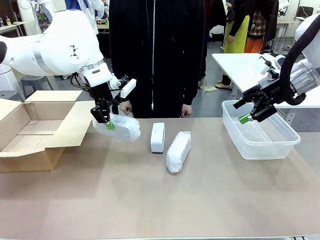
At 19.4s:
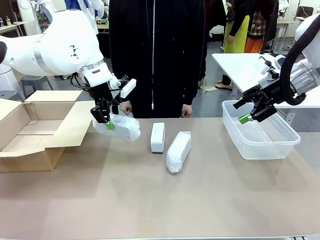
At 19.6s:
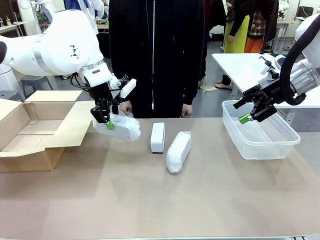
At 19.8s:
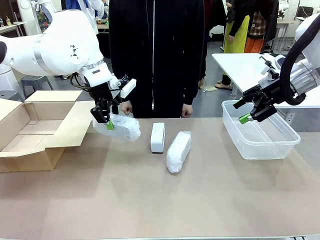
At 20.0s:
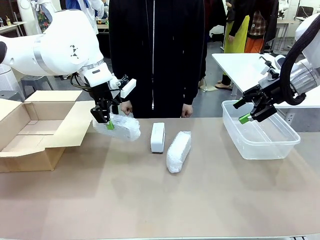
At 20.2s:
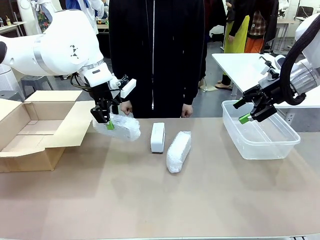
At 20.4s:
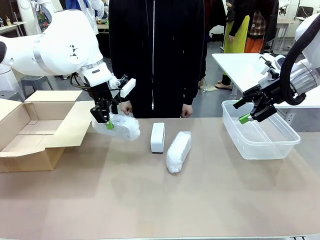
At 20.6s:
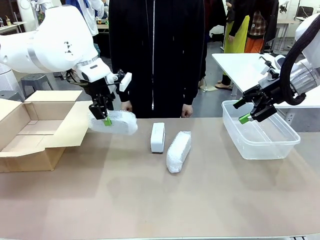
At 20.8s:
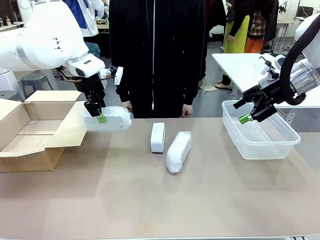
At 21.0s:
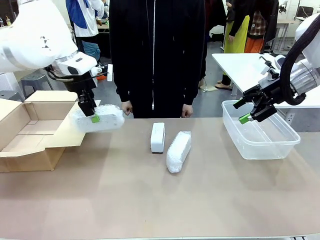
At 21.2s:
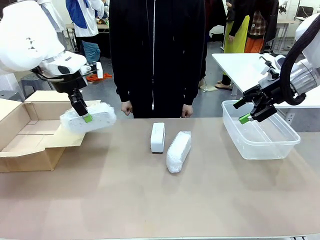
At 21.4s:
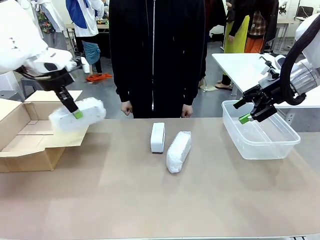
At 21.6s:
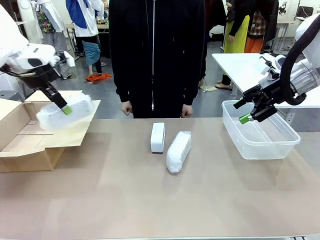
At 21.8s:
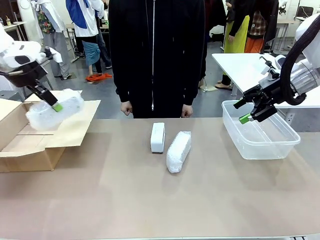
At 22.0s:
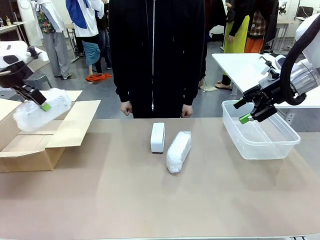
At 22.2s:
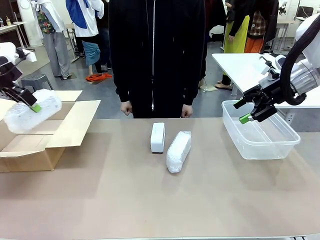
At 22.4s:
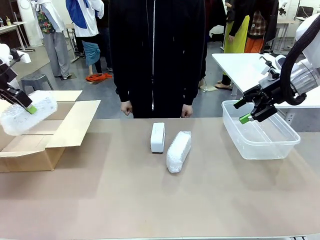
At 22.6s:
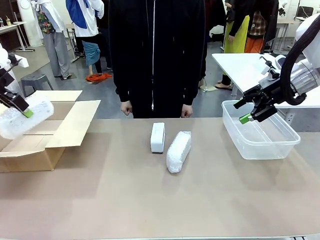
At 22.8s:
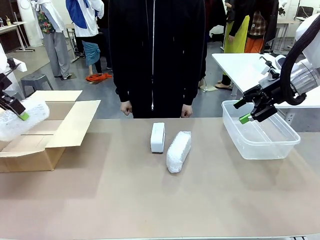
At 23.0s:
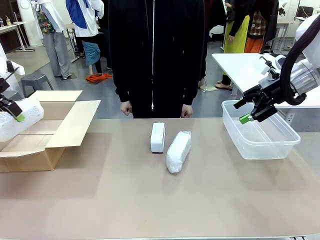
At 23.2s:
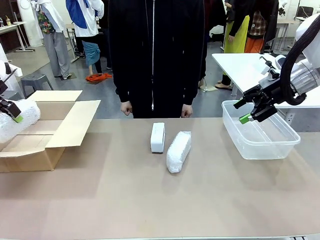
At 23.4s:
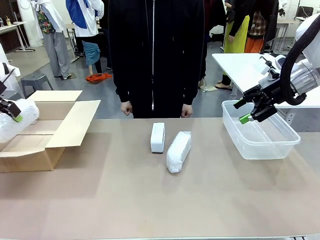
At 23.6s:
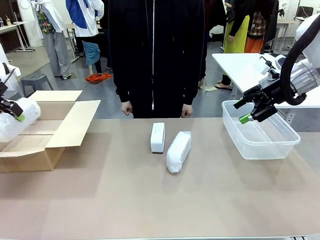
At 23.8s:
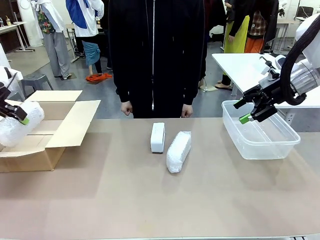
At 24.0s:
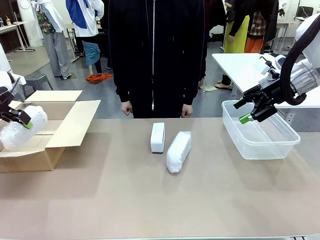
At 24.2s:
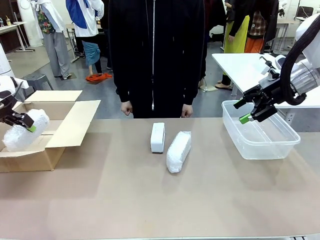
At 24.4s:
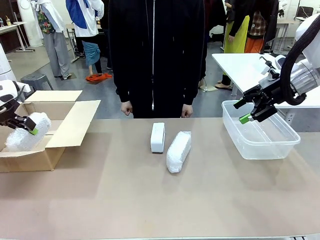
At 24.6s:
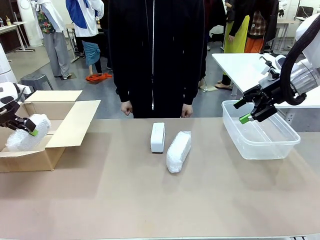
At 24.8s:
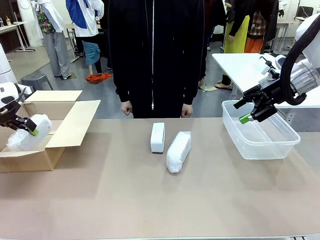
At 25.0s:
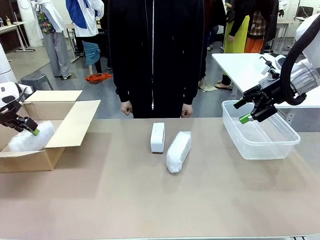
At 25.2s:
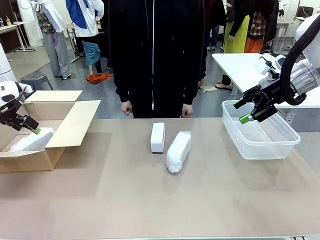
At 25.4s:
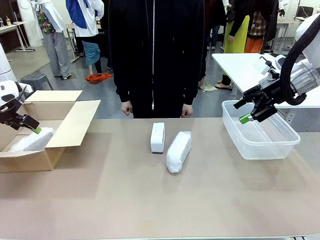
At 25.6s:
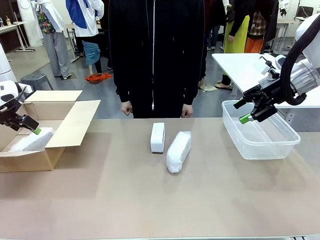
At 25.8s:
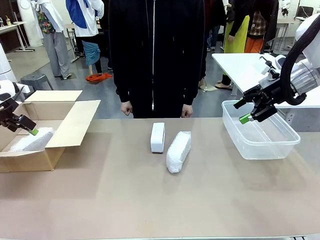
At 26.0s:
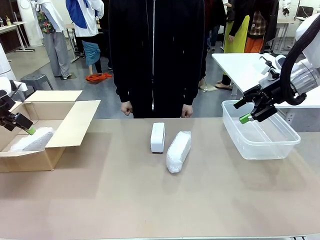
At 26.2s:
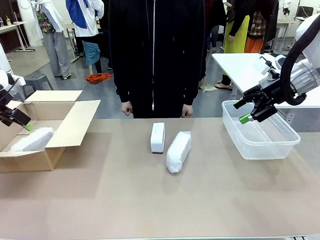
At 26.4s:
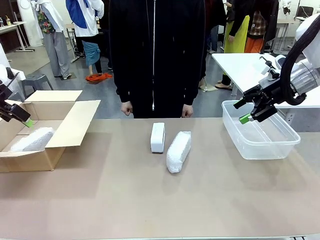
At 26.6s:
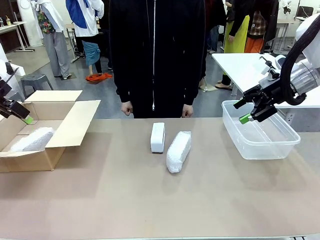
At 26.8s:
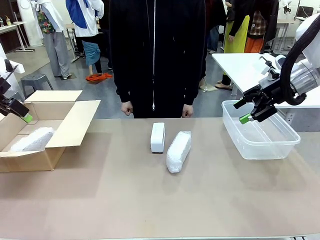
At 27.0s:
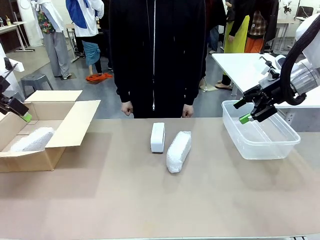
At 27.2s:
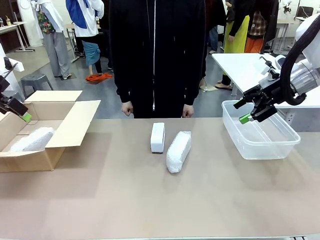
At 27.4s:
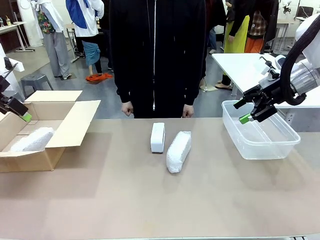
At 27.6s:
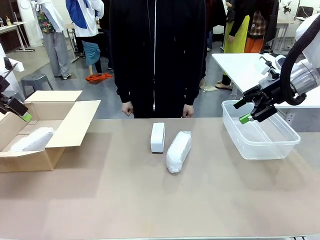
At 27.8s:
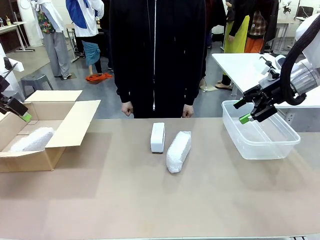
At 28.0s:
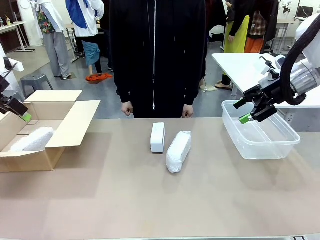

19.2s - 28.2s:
Task: Separate and place wrapped and unwrapped clocks.
Robot: If the picked Digital clock is wrapped, place it in the Package Box ; if not, place it in the Organizing box.

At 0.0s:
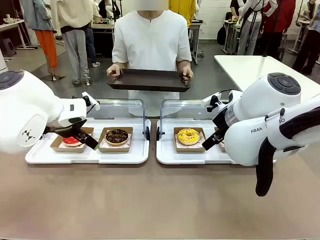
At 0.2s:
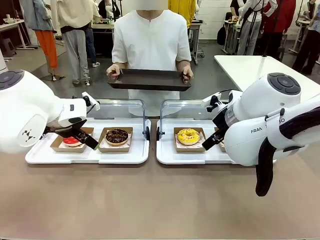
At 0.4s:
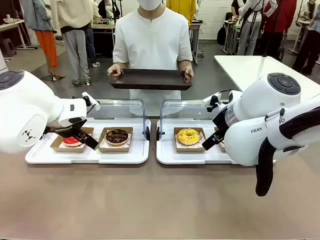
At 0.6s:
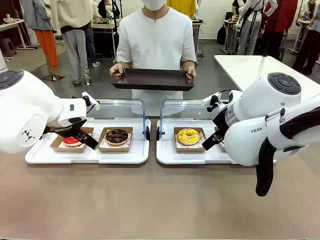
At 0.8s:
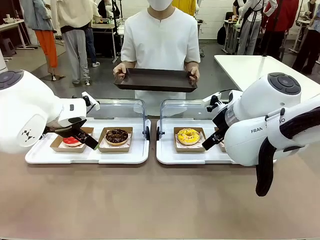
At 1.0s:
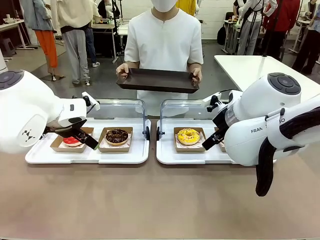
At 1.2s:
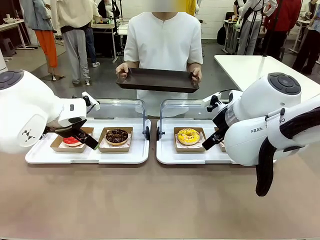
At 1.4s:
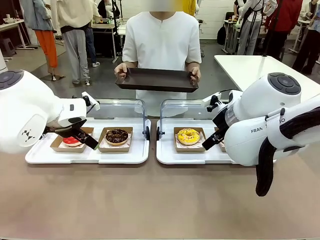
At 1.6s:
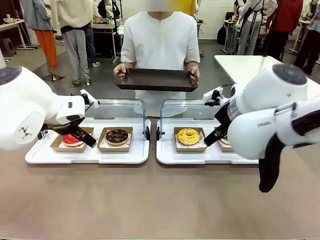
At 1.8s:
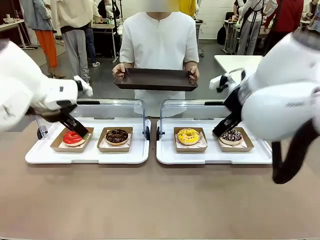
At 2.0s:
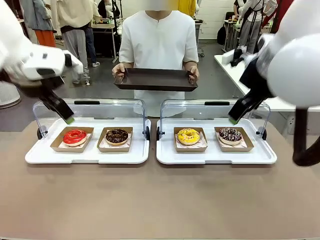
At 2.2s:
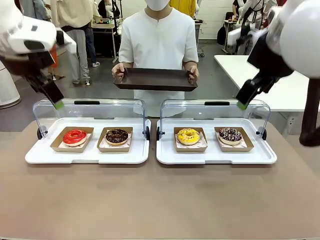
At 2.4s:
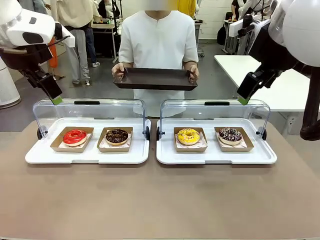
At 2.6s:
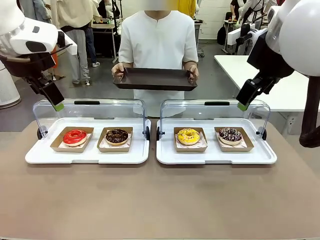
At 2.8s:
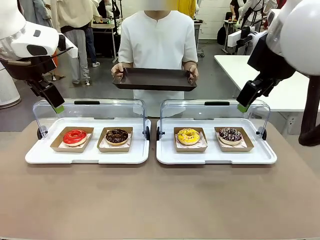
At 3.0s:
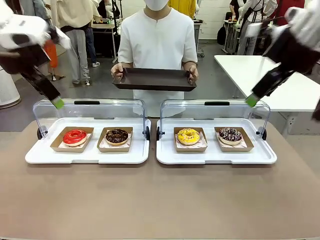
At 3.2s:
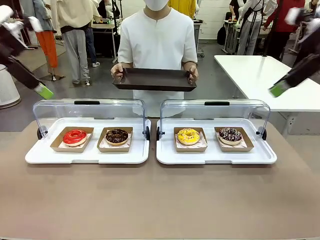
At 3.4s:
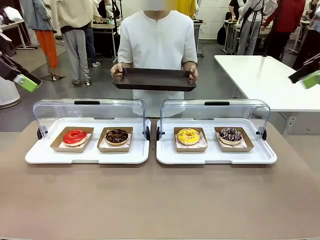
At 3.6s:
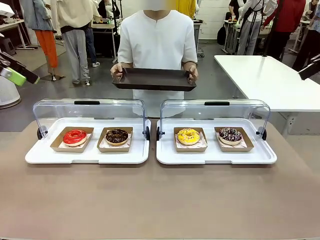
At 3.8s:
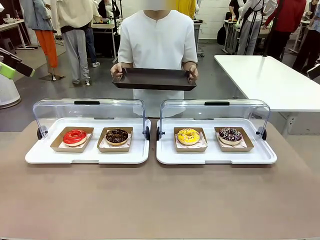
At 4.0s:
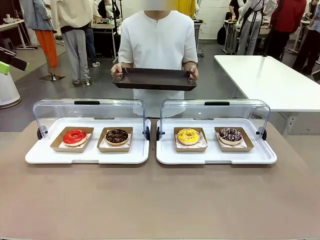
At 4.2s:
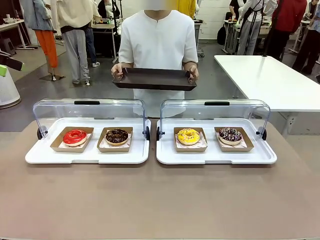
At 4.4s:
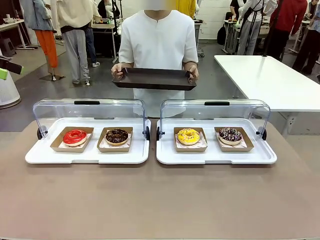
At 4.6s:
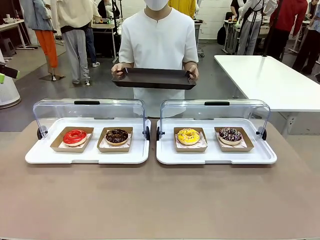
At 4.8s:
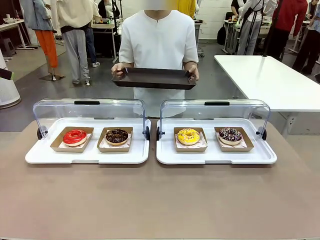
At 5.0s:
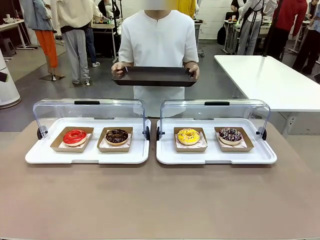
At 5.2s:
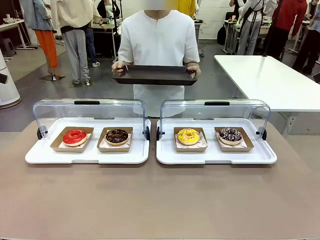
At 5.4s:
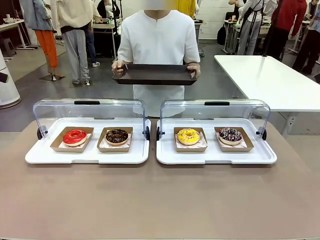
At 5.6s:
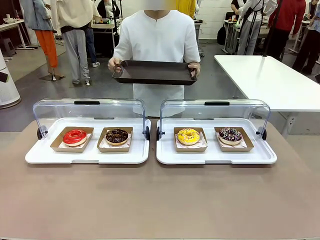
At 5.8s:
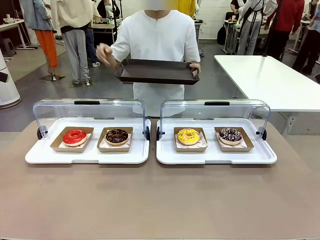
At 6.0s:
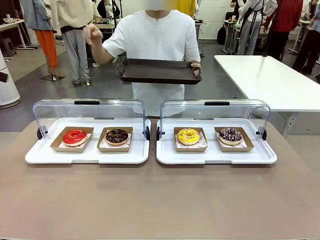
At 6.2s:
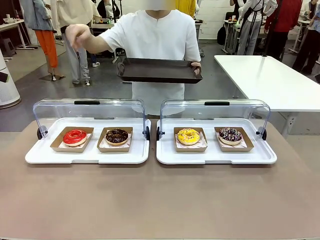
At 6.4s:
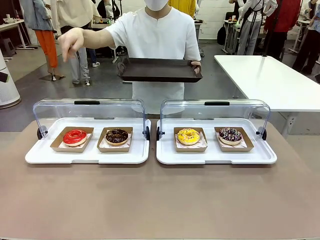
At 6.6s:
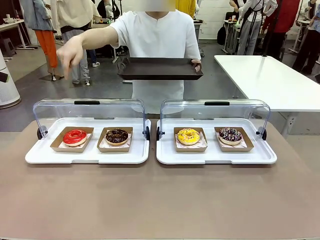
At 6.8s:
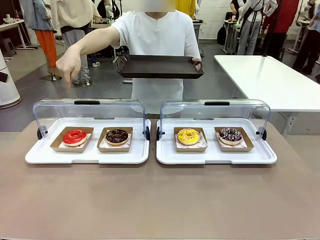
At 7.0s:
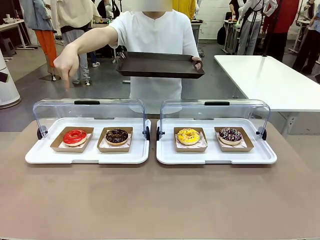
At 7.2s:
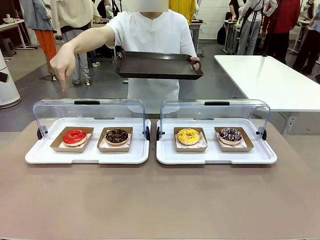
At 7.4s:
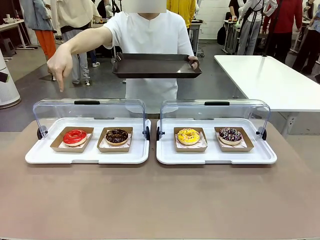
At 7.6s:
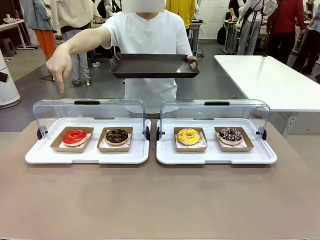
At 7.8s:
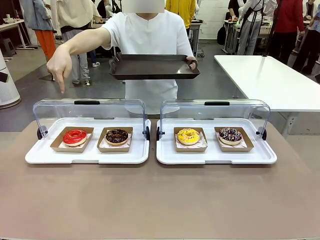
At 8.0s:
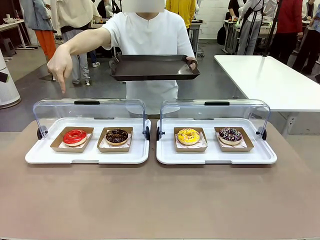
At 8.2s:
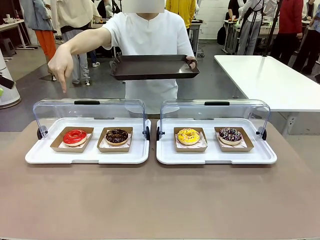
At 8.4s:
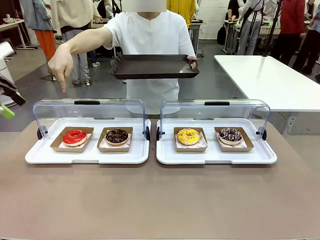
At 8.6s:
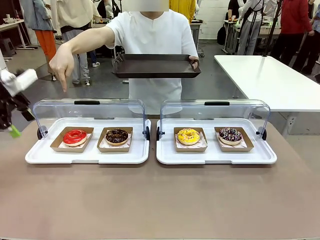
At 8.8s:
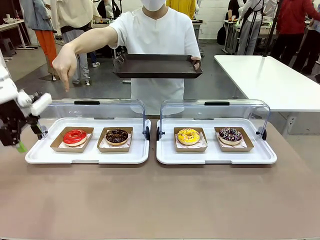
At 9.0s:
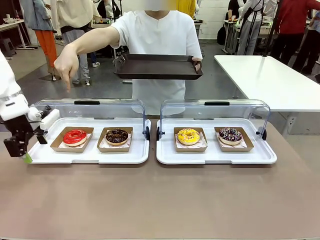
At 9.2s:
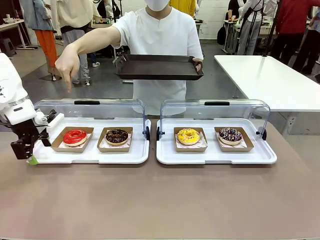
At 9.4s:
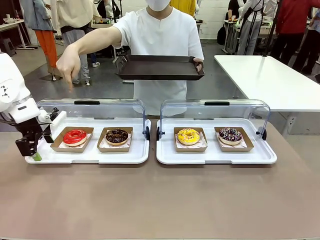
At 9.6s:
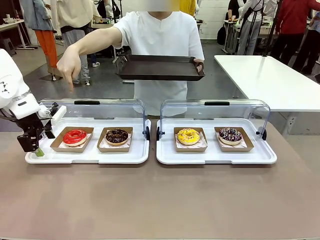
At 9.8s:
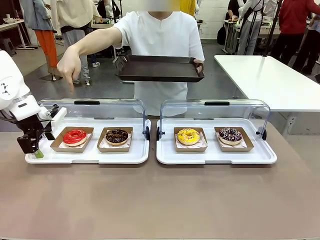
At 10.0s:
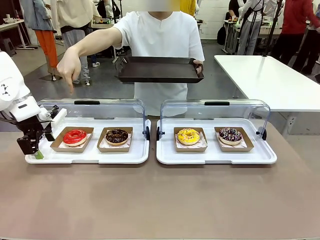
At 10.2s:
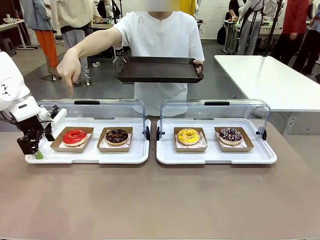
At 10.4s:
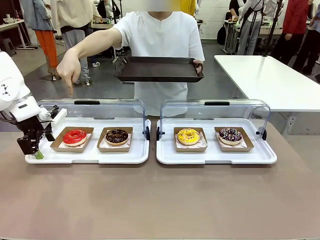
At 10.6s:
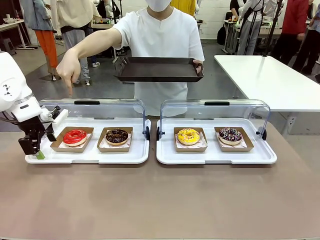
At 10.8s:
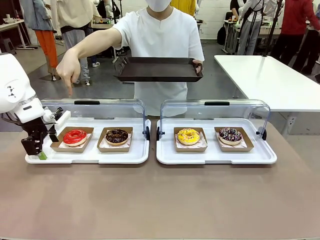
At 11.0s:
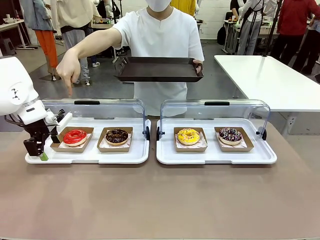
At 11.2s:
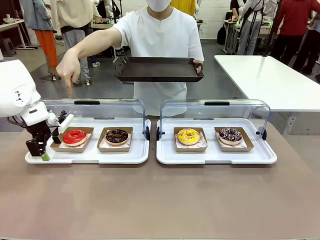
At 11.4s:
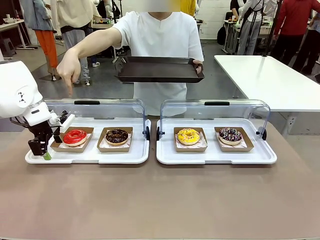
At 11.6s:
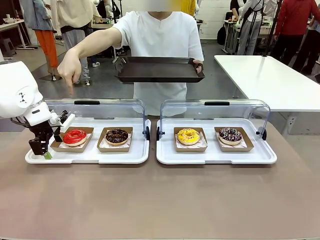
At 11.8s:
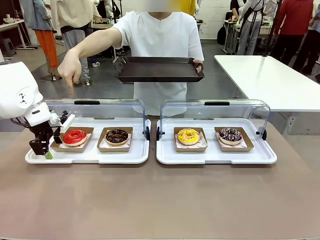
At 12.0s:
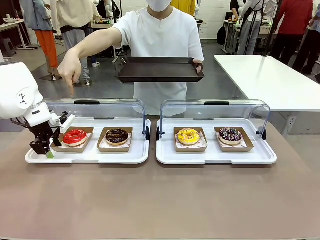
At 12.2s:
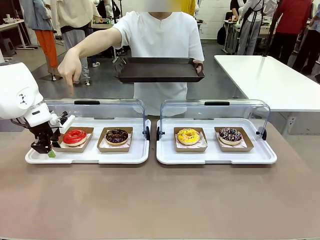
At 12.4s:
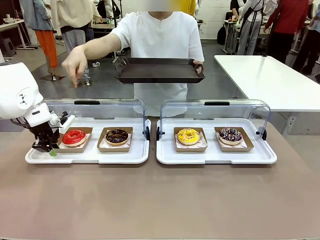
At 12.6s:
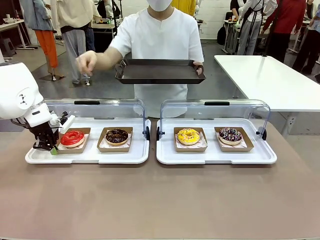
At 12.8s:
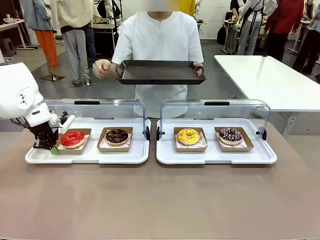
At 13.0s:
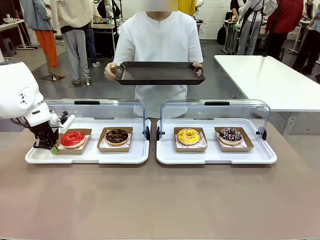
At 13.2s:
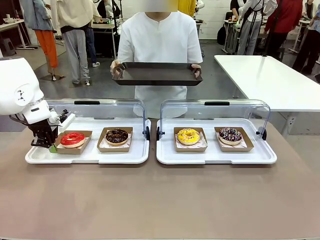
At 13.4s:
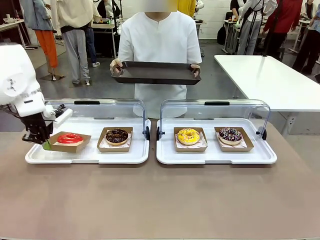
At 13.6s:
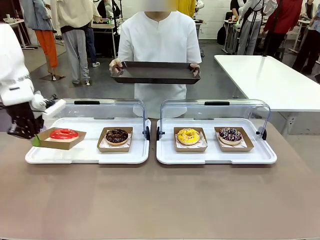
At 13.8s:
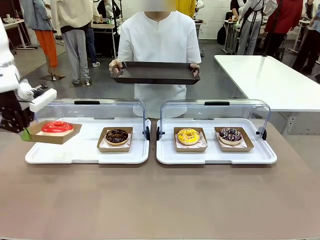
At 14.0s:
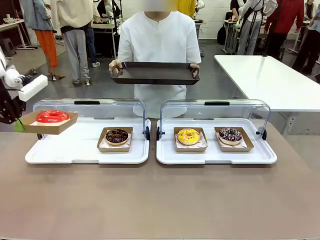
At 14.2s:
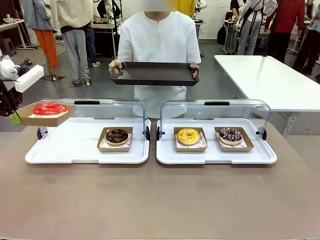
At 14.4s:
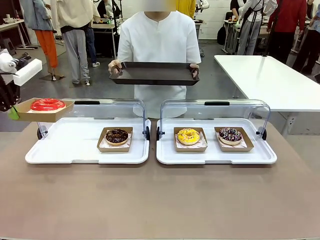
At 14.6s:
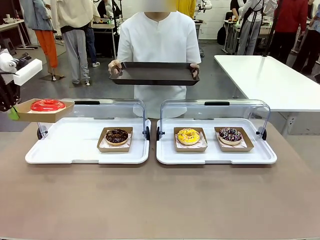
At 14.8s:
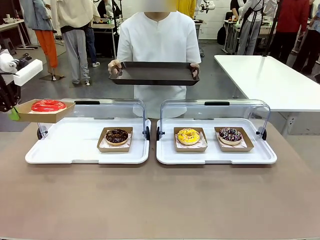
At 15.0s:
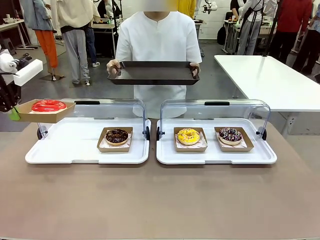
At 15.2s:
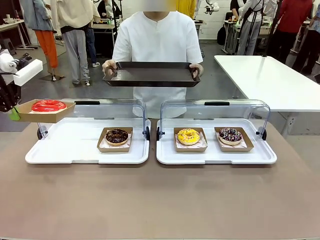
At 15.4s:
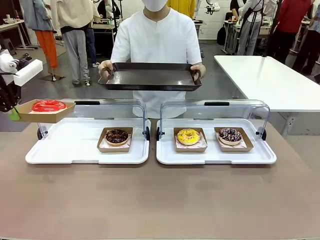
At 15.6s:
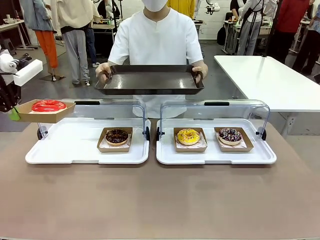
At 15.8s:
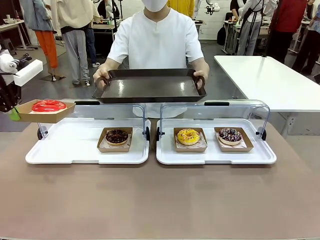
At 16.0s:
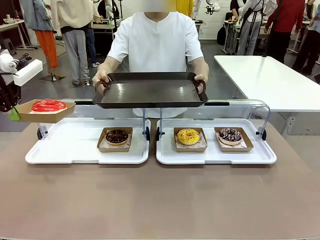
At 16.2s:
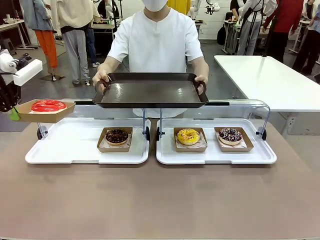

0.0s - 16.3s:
Task: Provide the desired donut to the person.
Robot: Pick up and lift the Paper togo box containing the Donut pointed at by the person.
Person: Point to one donut. Lift the tray onto the Roll-Top Bakery Case.
